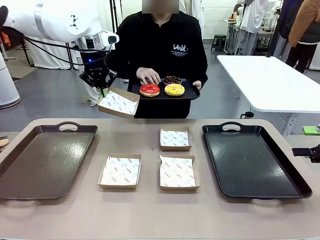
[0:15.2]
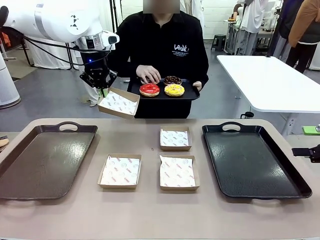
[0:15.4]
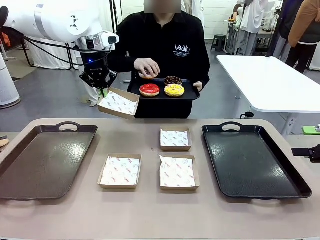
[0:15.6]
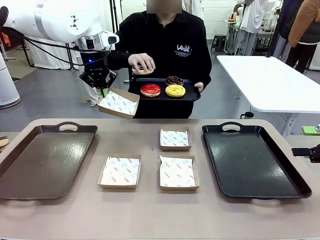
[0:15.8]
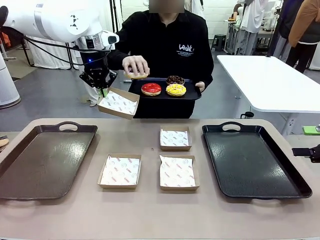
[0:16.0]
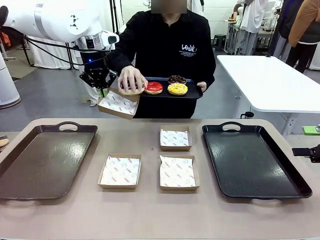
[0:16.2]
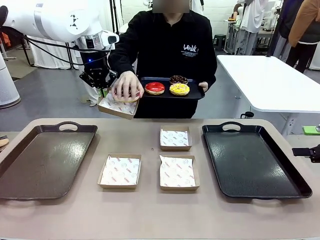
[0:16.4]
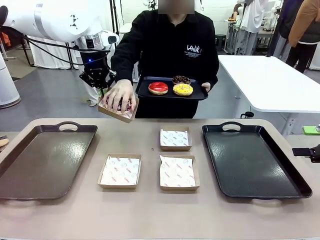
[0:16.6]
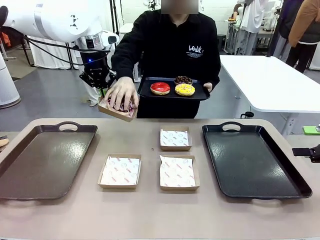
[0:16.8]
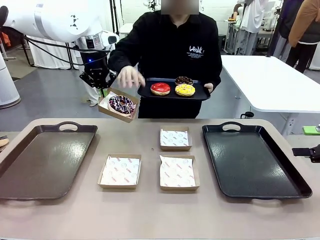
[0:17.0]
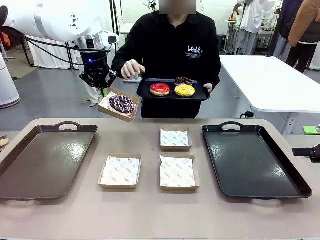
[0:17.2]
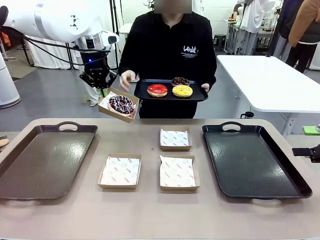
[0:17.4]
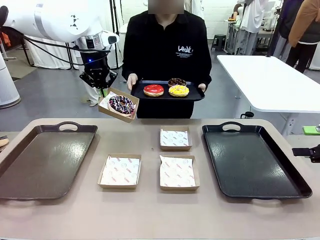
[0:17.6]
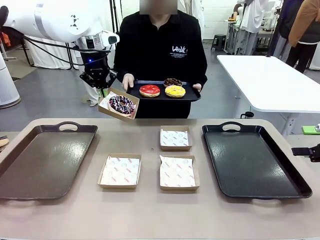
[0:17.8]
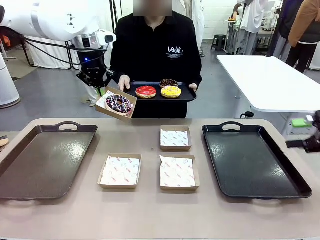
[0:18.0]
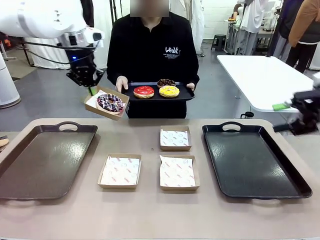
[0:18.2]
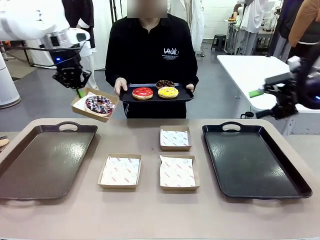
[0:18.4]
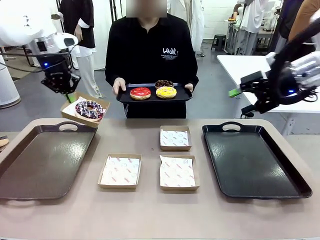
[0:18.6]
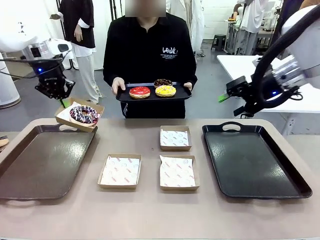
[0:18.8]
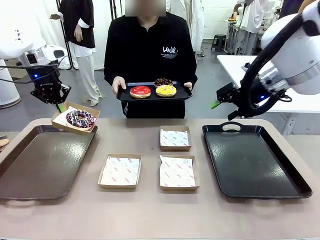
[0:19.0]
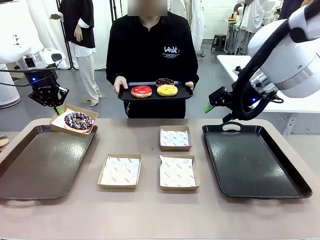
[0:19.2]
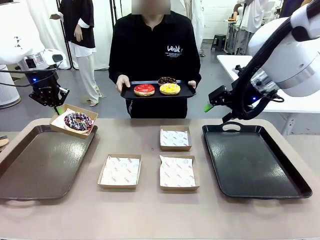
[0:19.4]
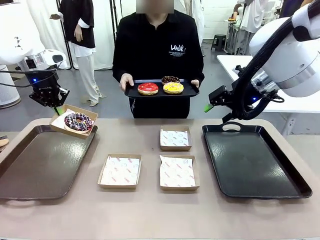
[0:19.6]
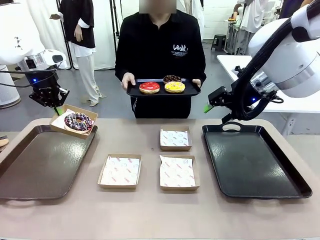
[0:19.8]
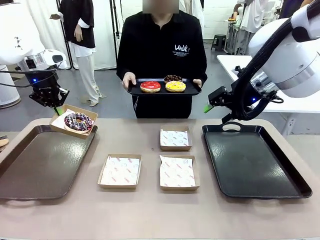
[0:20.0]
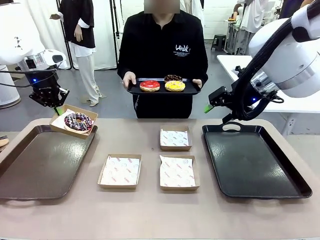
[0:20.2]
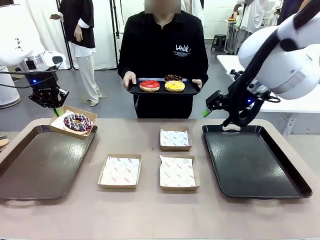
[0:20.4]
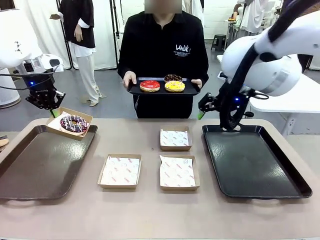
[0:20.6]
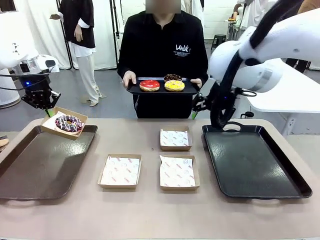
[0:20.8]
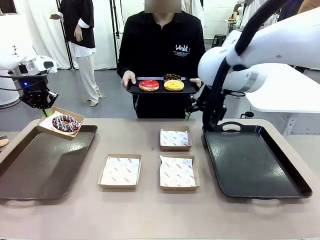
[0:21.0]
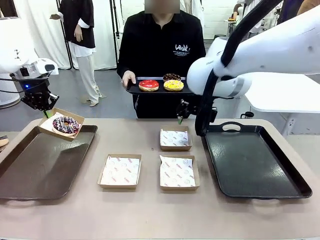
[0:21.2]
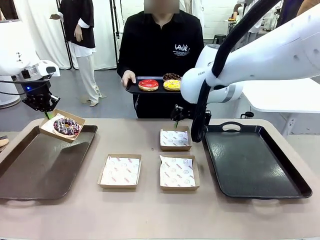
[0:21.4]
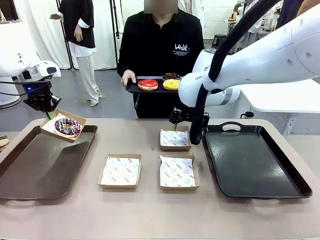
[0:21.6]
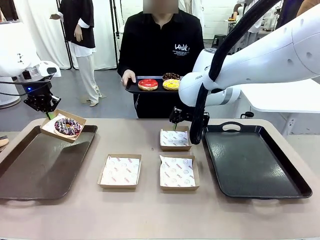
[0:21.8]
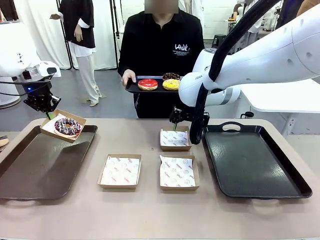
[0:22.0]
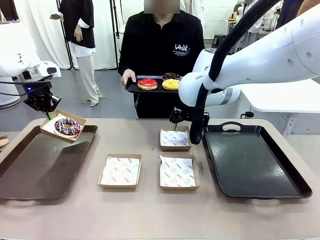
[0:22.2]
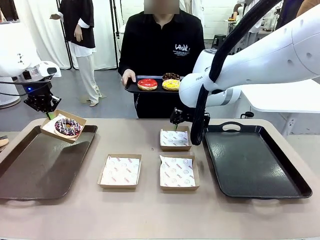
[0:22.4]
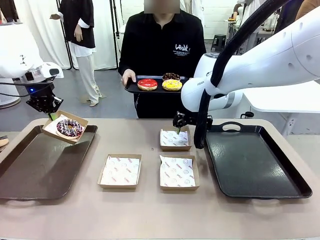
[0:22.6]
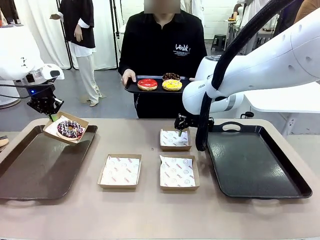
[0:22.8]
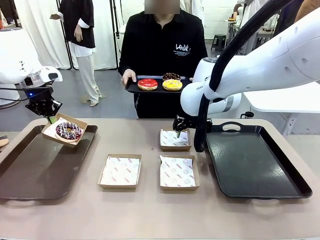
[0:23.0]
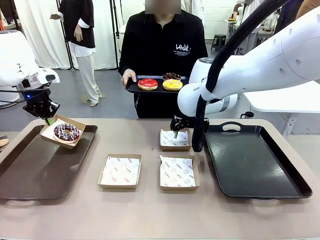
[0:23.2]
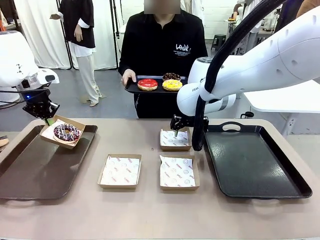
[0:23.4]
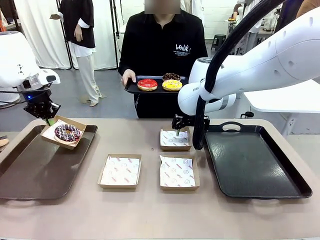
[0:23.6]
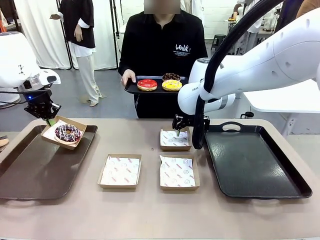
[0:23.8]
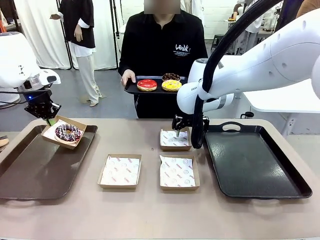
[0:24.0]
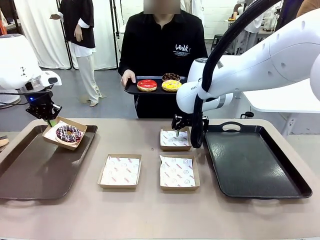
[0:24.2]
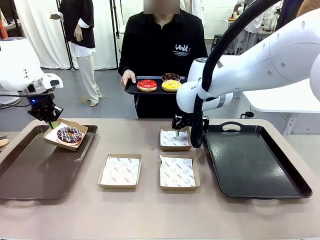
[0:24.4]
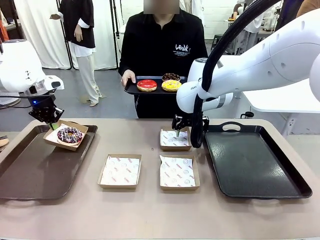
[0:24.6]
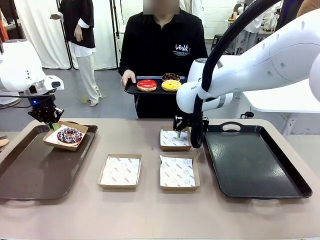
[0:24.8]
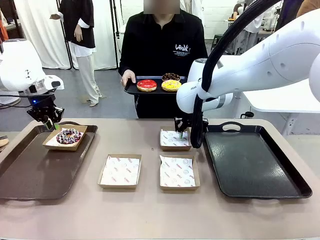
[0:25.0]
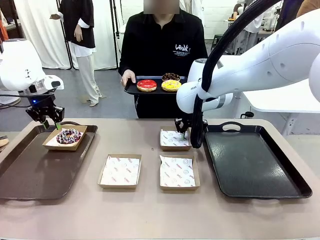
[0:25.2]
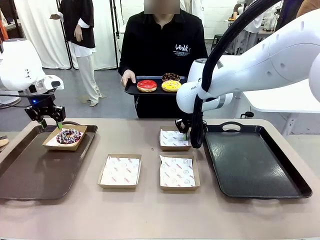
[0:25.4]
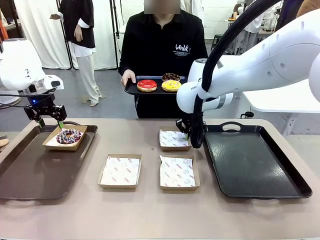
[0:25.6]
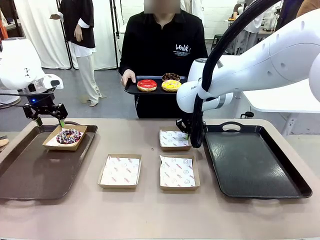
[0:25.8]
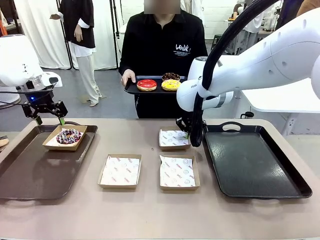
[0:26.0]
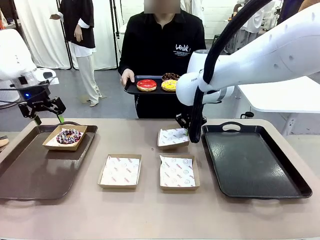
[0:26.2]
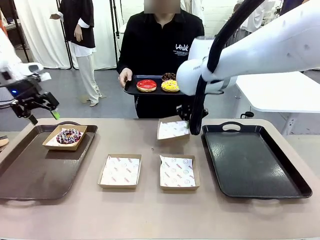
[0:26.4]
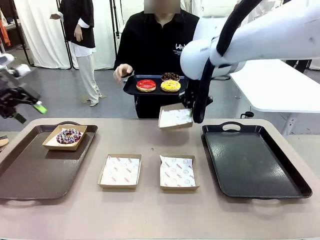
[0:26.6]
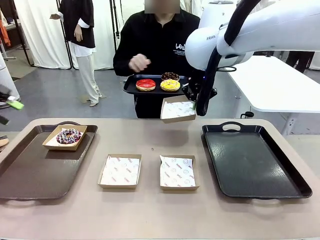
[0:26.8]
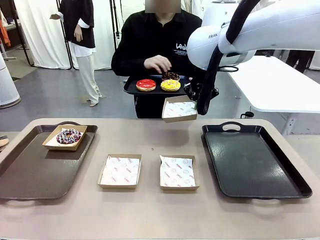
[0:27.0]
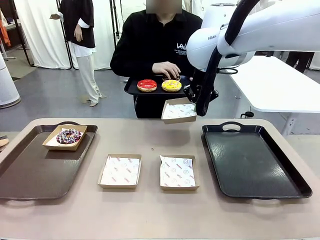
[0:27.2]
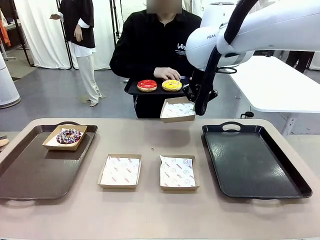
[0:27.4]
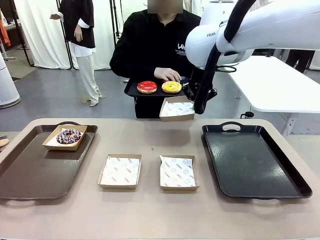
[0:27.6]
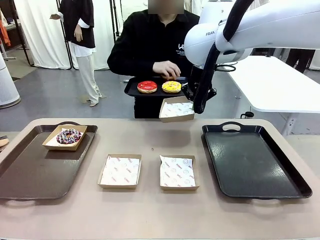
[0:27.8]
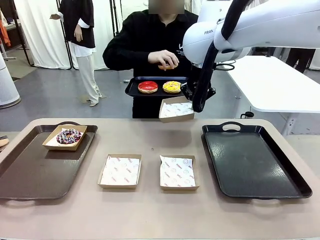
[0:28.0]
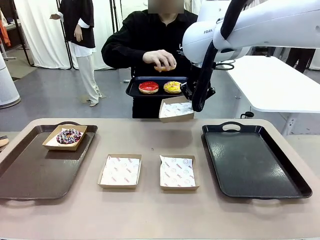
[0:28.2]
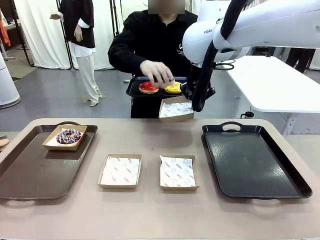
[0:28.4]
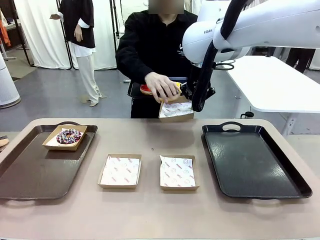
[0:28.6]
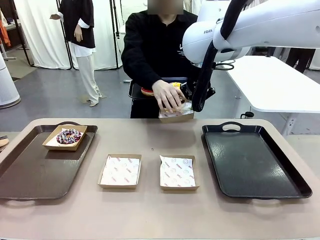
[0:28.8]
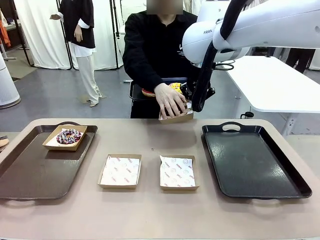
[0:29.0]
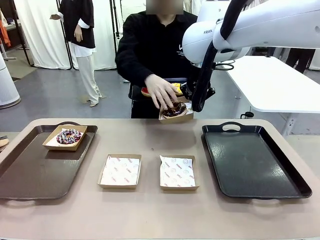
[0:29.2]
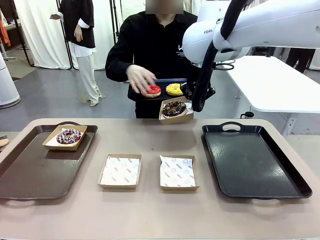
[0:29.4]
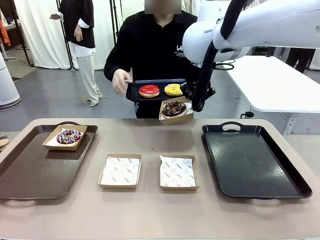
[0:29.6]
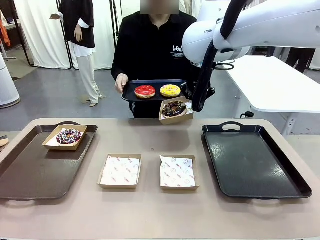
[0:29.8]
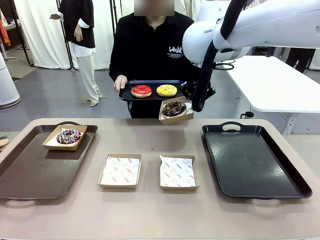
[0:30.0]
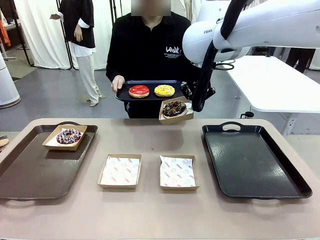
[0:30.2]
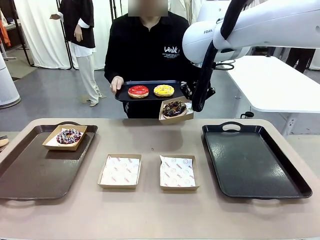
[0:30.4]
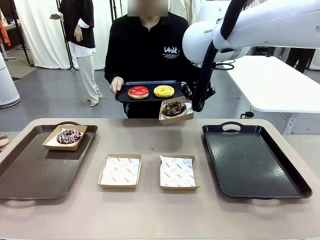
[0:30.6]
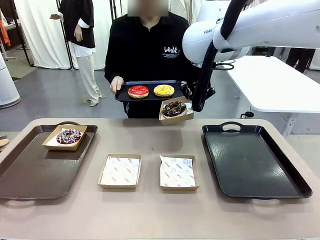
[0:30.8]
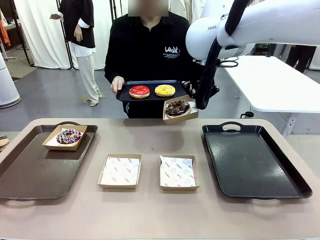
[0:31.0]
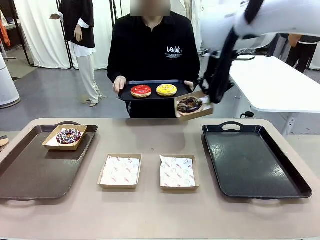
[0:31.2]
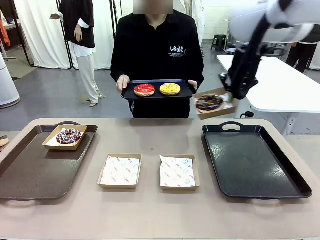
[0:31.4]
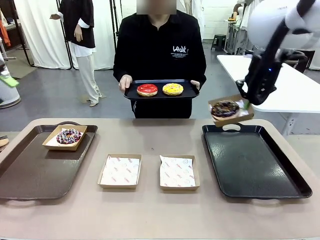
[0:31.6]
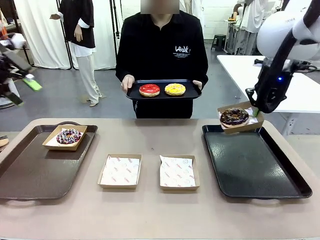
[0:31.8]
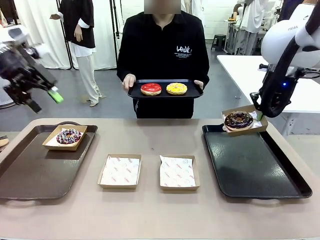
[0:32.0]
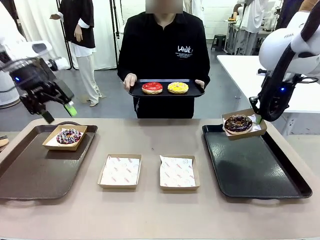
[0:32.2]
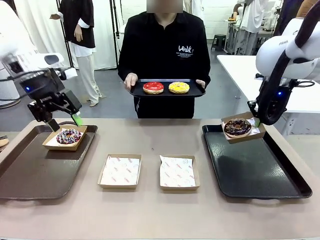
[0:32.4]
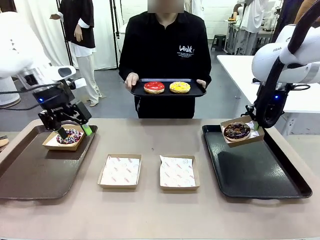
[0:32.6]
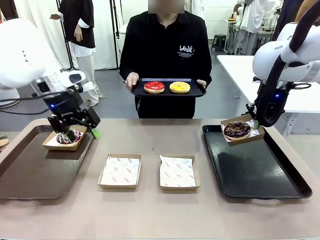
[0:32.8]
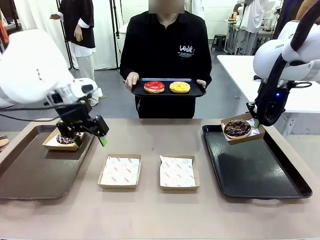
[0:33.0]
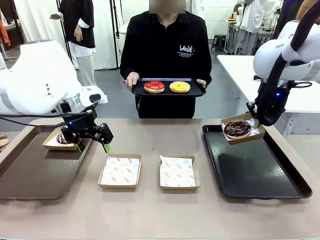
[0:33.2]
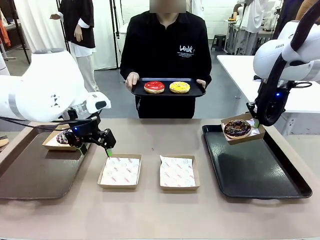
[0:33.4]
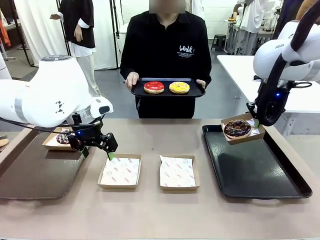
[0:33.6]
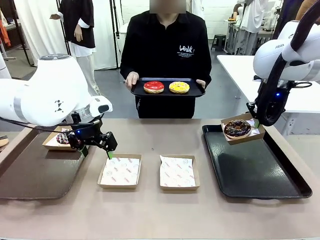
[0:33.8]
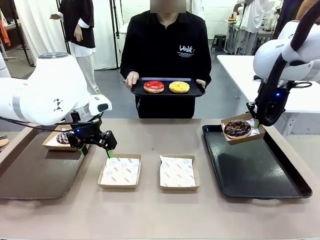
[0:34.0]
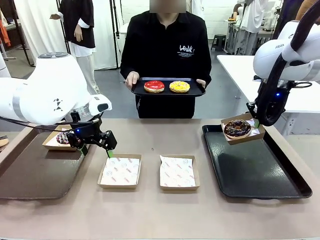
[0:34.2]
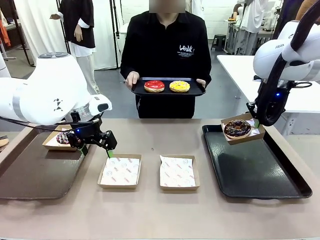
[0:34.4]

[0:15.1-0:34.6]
Task: Individually package the donuts and arrange them on the tray.
Robot: Place the picked Paper togo box on the Handle tray while simultaneously picking up another Paper togo box from the table with the other hand.
